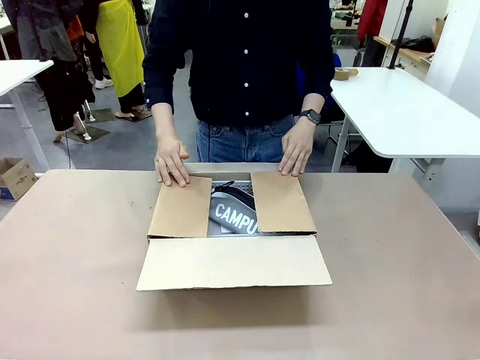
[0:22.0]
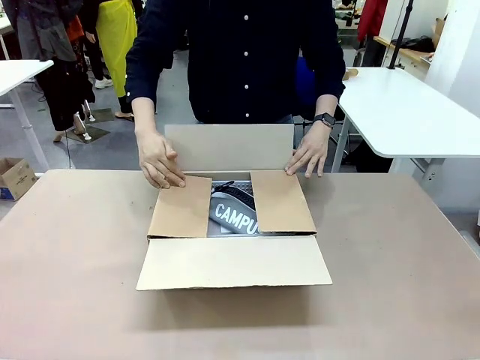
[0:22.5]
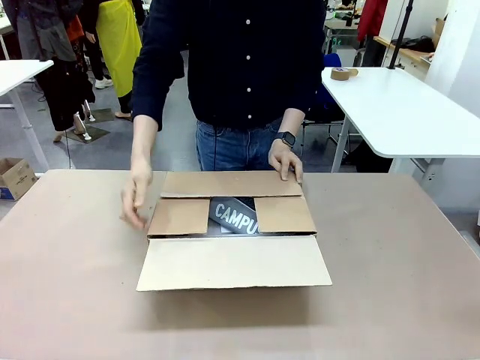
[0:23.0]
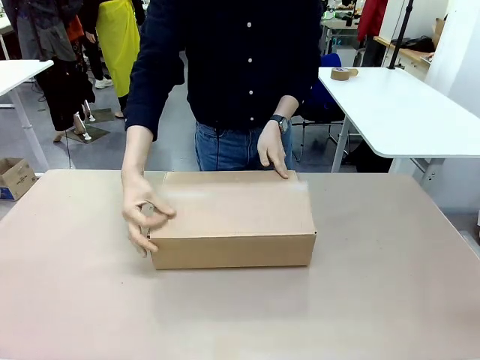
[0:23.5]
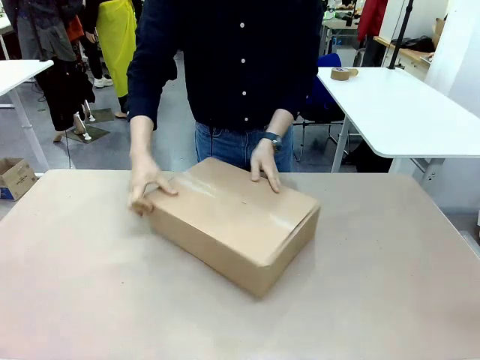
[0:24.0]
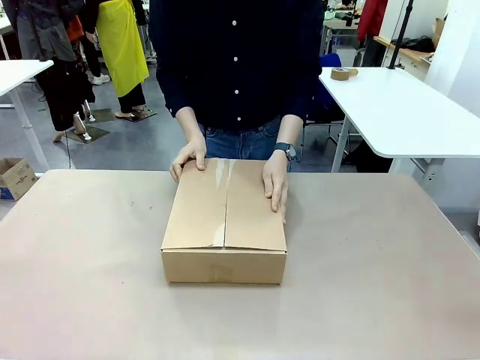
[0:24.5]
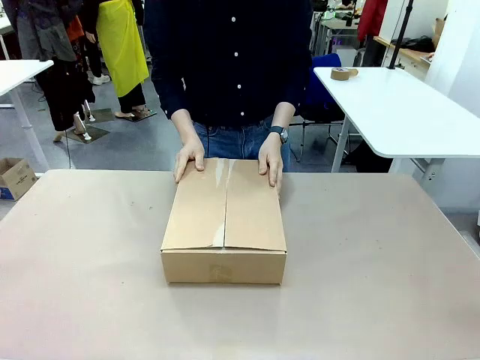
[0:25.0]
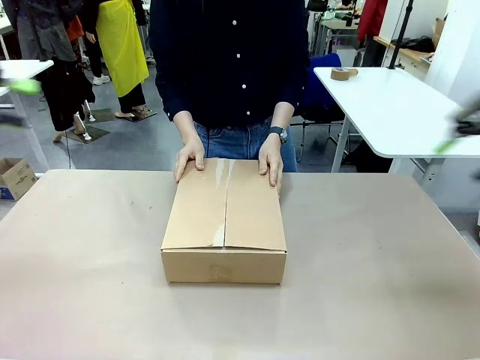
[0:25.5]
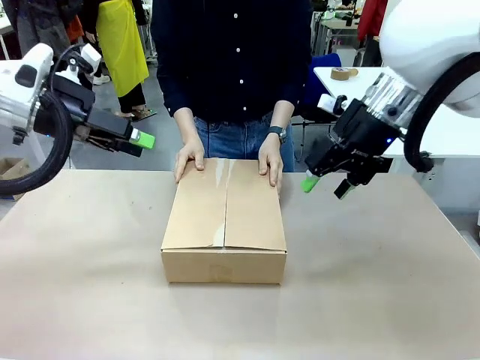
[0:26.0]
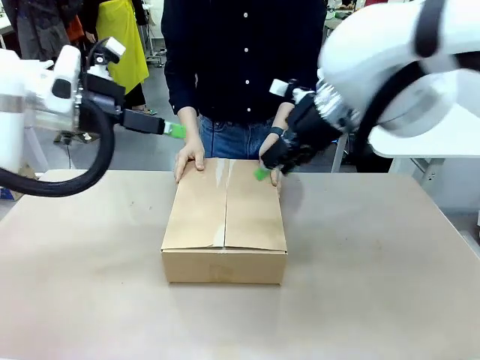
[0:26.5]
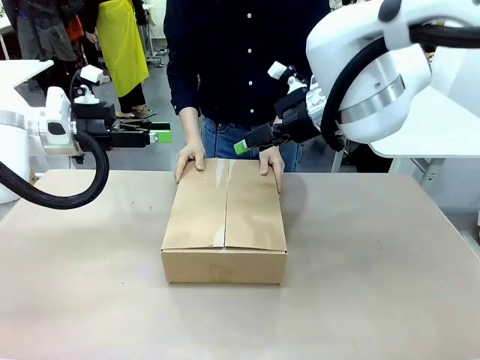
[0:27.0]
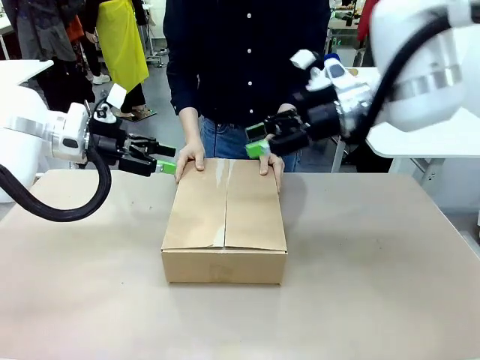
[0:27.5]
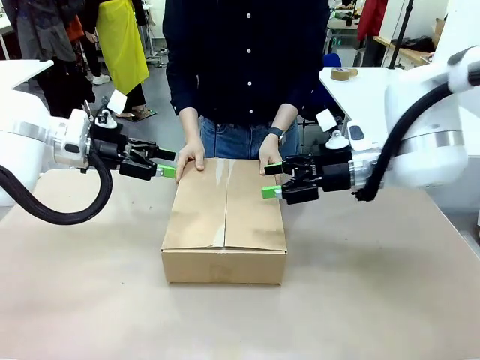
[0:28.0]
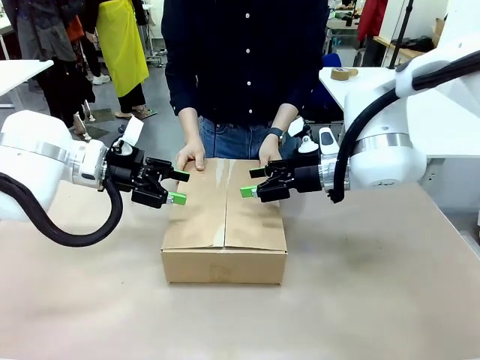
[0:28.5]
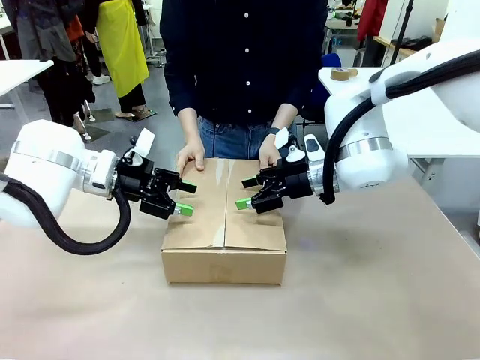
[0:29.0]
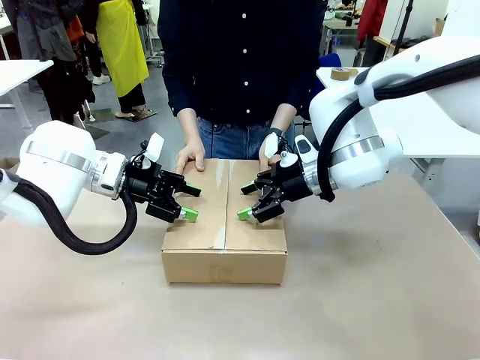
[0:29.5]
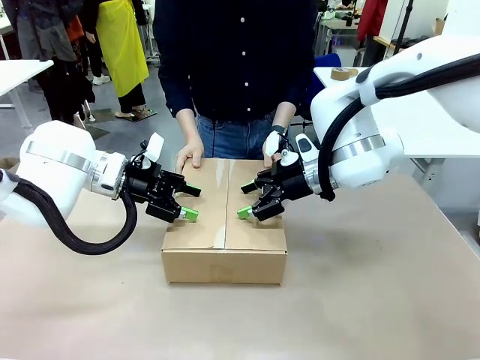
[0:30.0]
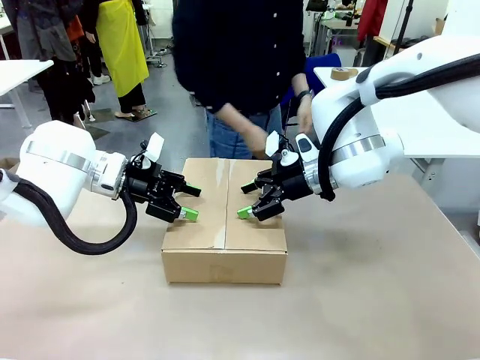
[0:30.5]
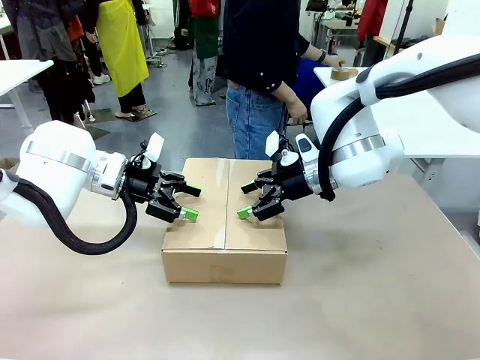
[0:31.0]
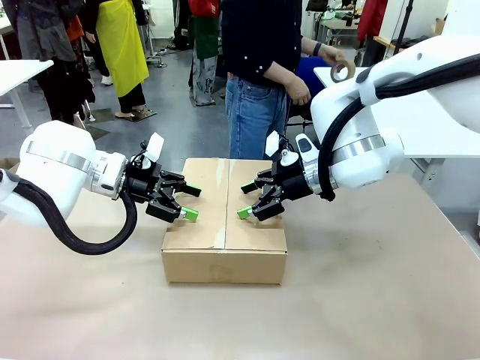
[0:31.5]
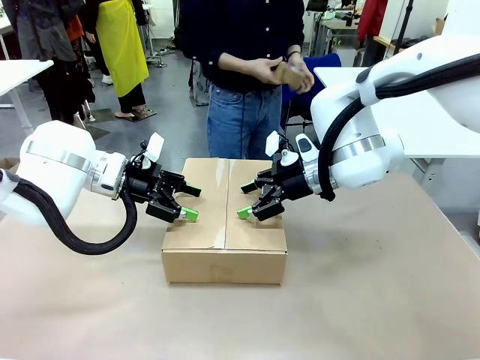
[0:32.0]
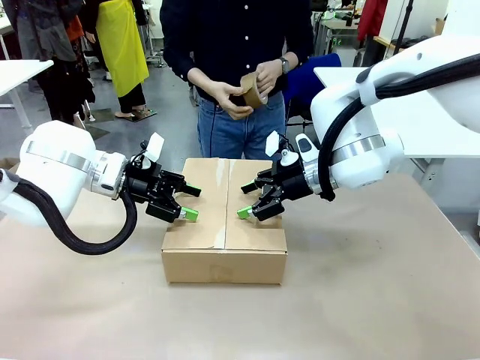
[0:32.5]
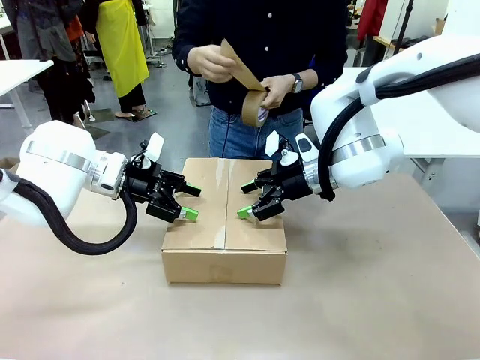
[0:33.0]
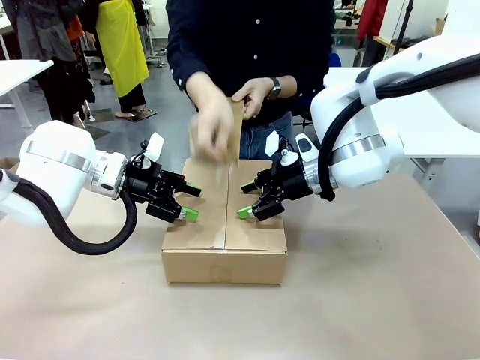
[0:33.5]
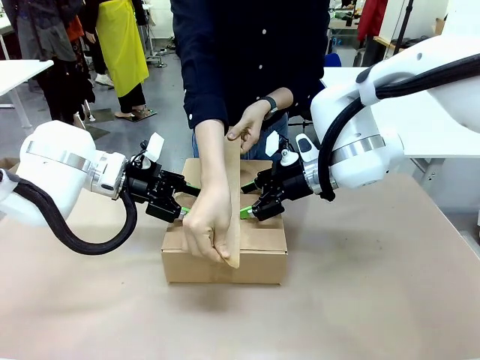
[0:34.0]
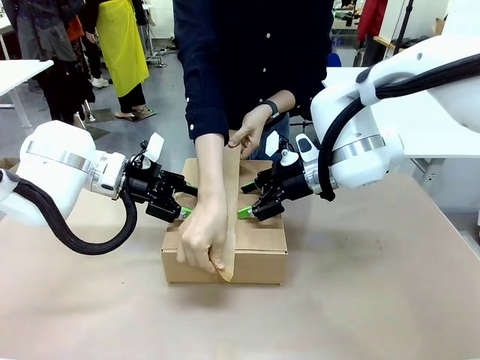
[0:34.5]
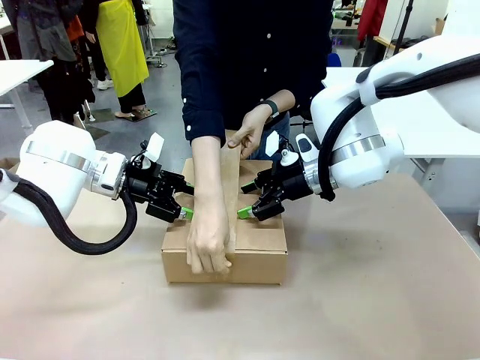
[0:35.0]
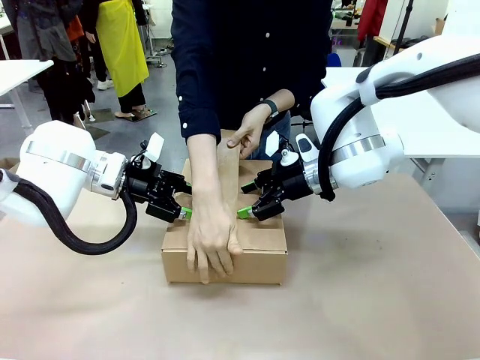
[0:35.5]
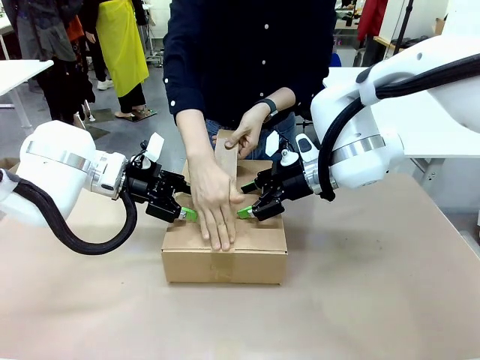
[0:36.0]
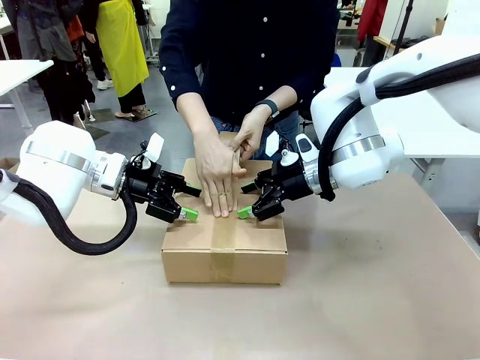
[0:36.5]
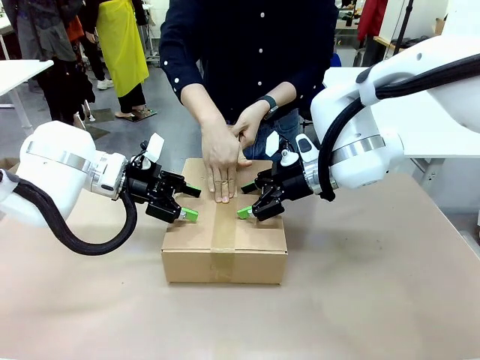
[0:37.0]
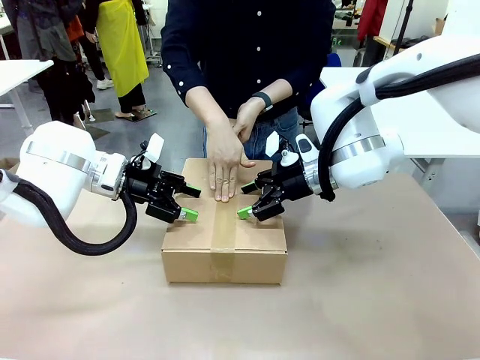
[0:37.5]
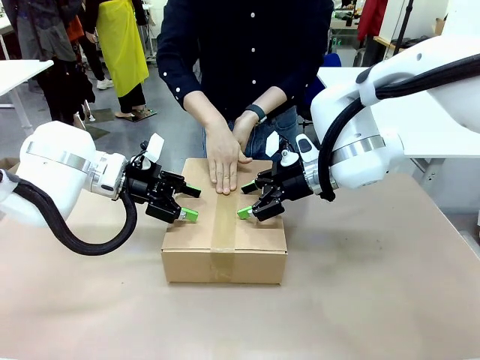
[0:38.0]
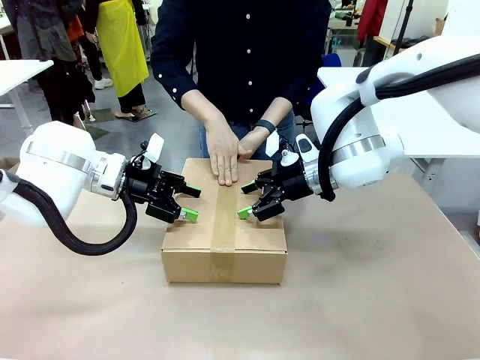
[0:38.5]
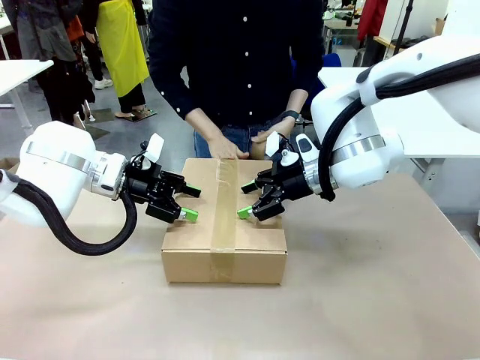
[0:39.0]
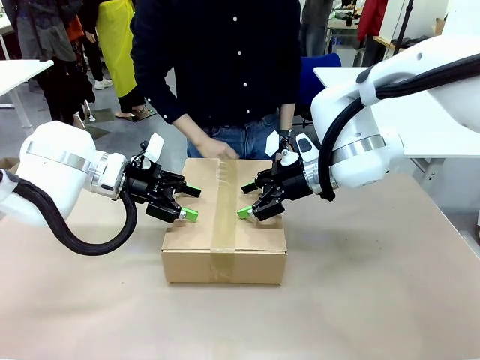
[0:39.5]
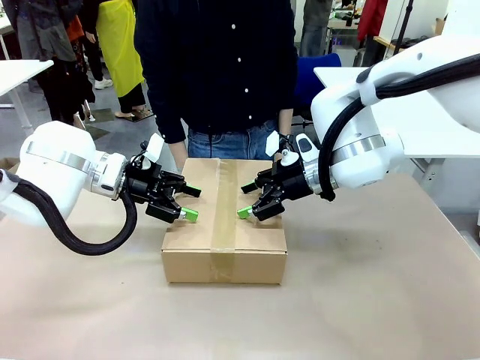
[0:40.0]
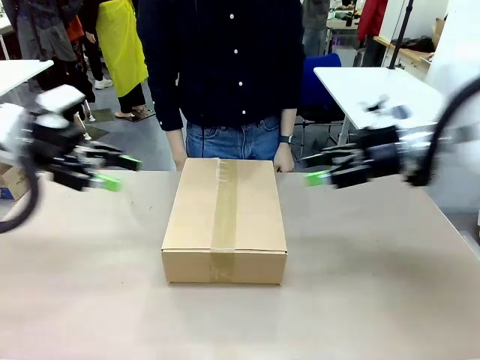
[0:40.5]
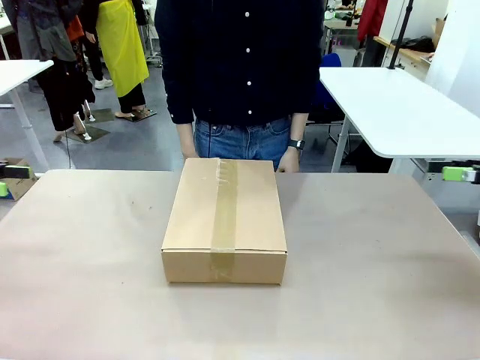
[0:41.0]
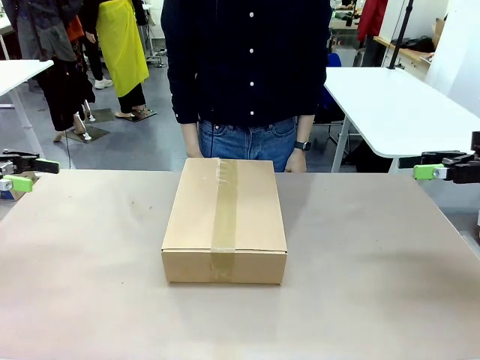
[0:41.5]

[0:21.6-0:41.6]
Task: Pack the gift set into the box.
Robot: Press and hold the closed box until the human finishes sealing it.
Person: The human closes the box and rotates the box by 90 degrees. The human picks up the paper tape from the human table and packs the box.

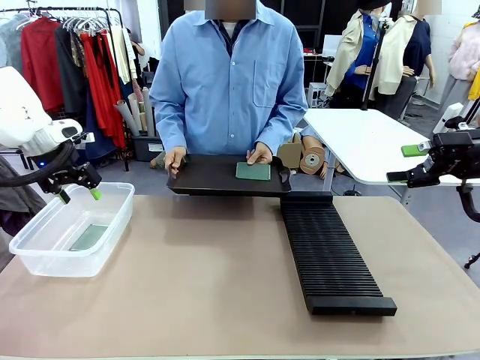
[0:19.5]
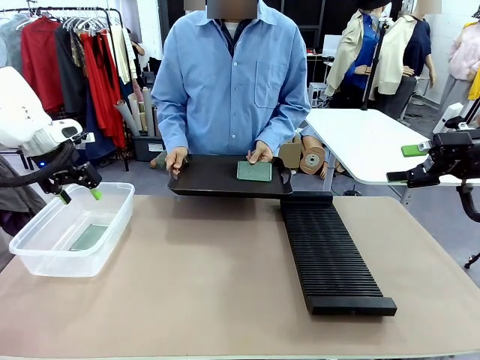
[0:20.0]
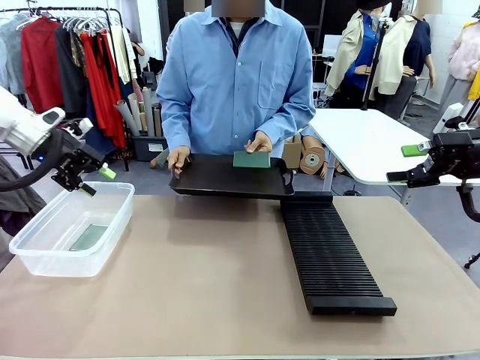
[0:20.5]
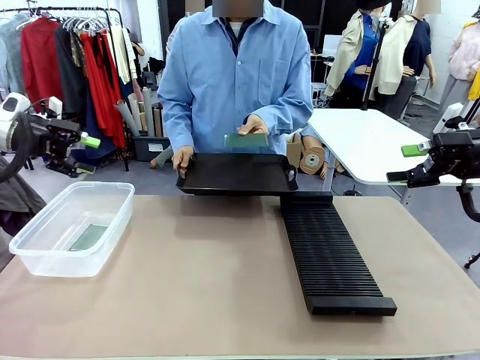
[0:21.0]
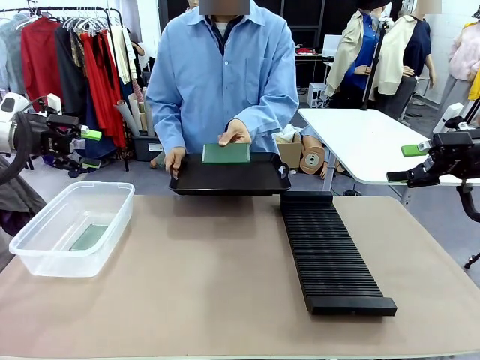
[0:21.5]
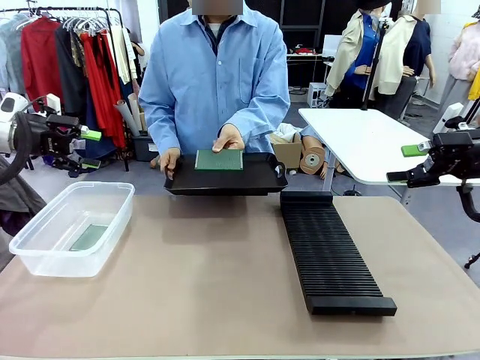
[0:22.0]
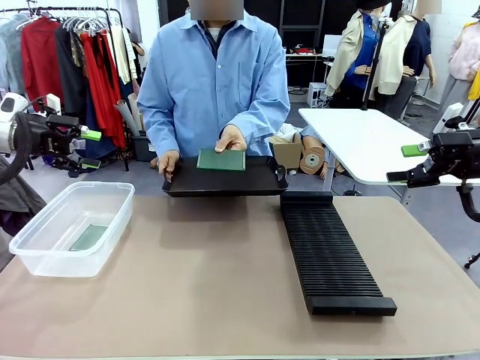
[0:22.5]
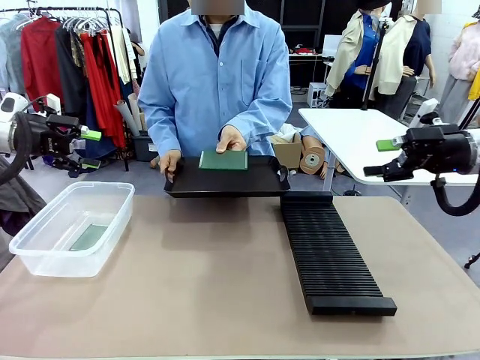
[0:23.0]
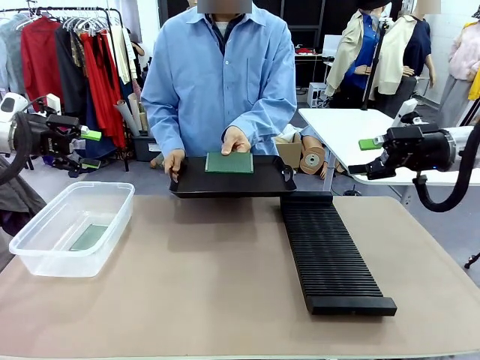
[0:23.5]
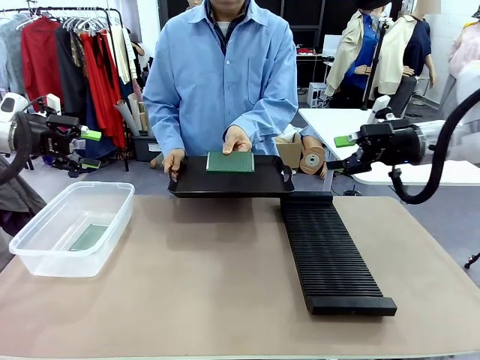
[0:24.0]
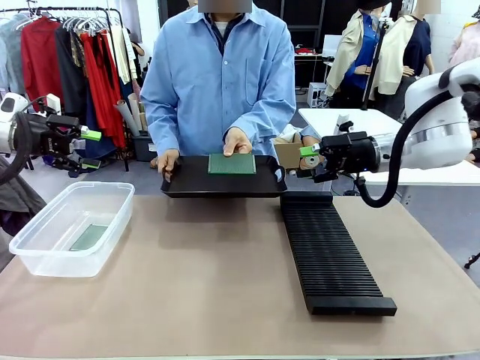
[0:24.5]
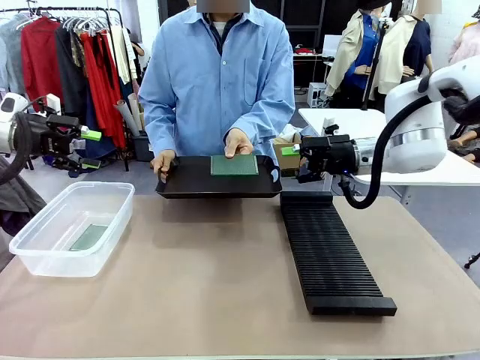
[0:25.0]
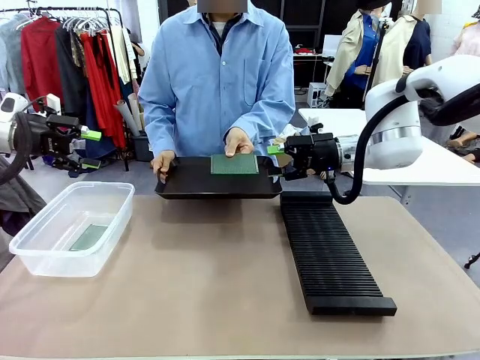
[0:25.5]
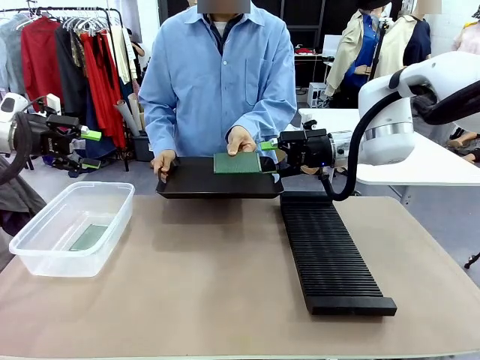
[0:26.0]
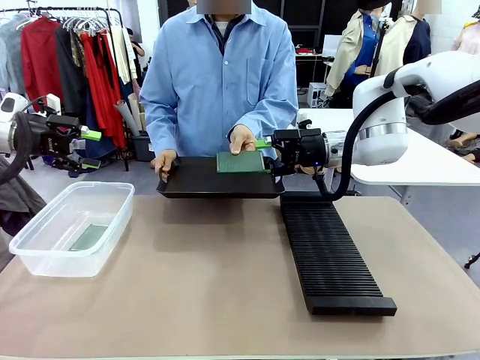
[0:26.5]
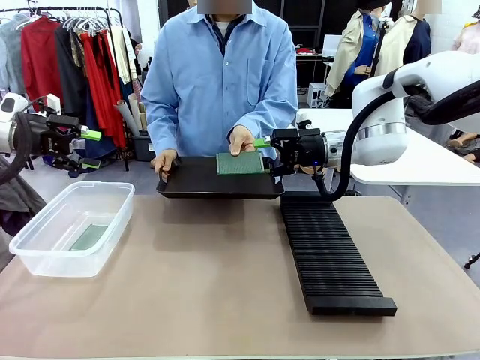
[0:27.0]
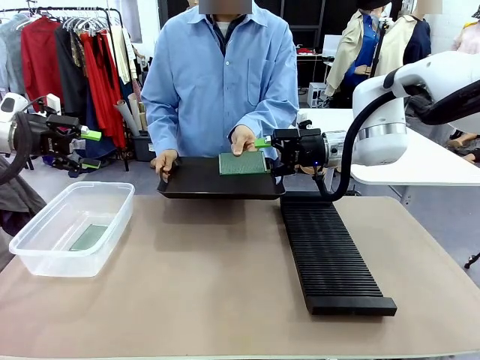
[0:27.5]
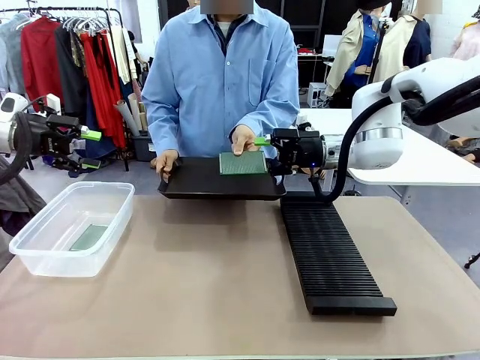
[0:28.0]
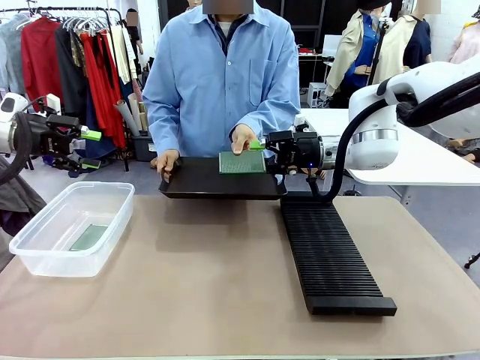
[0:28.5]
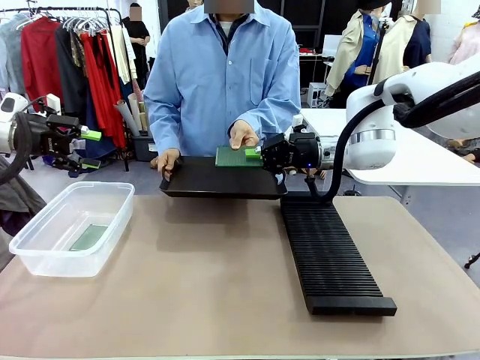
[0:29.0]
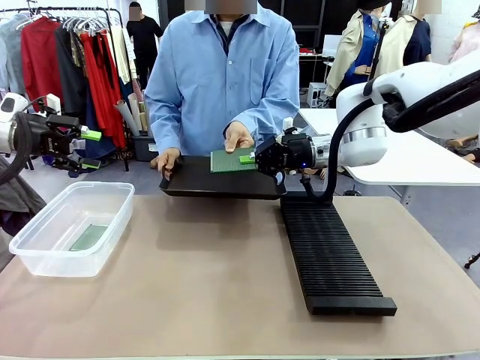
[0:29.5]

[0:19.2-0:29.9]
Task: Sort PCBs into racks and boxes based on the side picked up.
Robot: Pick up the Blank PCB handed by the Human.
